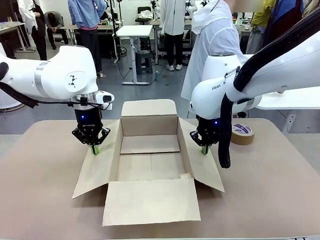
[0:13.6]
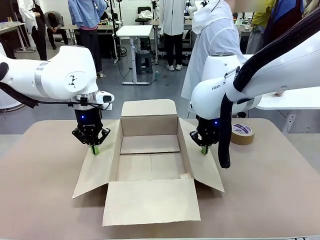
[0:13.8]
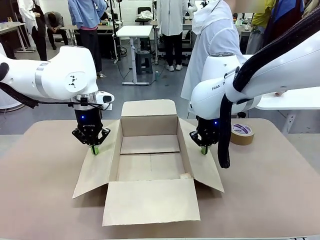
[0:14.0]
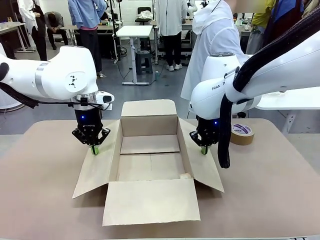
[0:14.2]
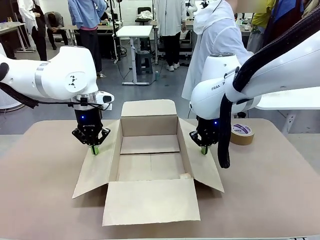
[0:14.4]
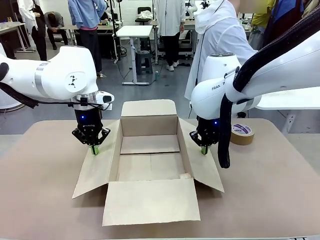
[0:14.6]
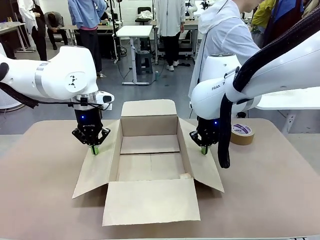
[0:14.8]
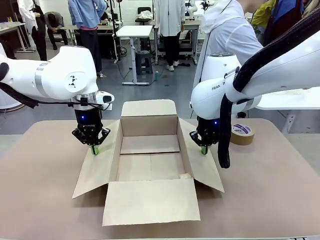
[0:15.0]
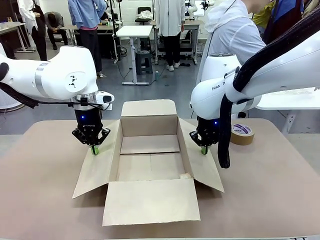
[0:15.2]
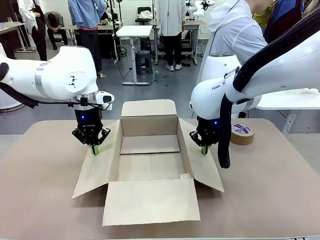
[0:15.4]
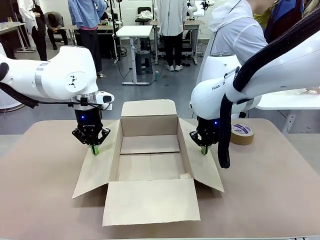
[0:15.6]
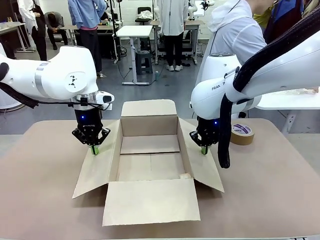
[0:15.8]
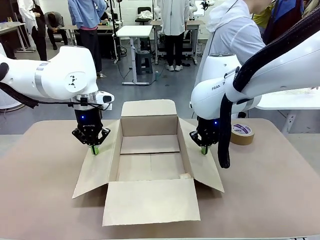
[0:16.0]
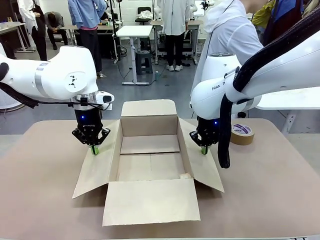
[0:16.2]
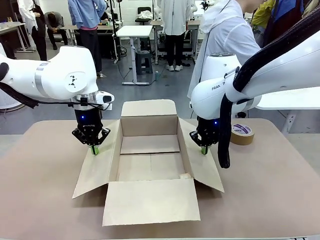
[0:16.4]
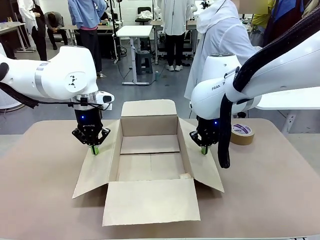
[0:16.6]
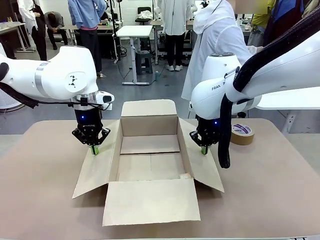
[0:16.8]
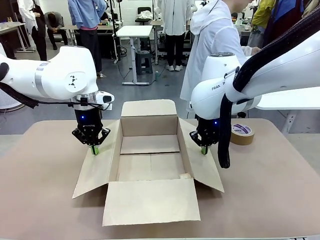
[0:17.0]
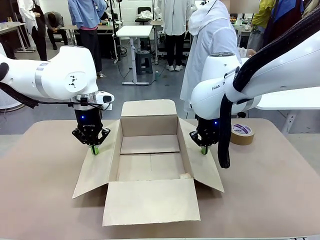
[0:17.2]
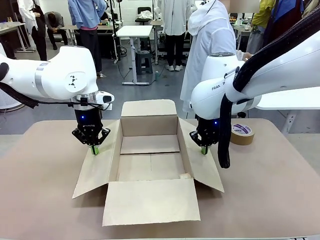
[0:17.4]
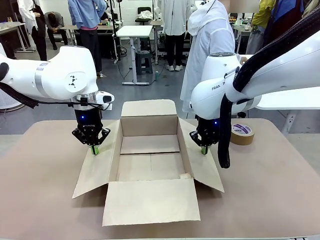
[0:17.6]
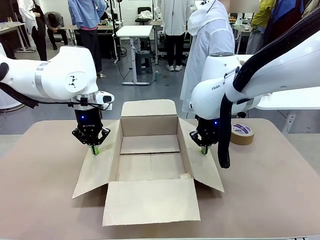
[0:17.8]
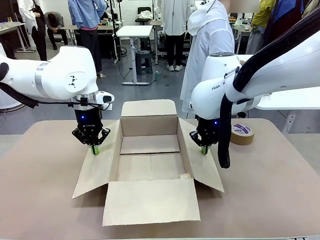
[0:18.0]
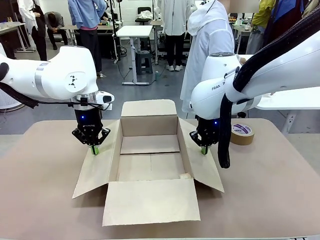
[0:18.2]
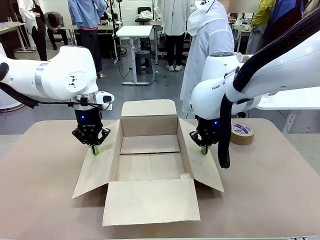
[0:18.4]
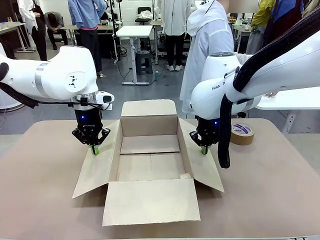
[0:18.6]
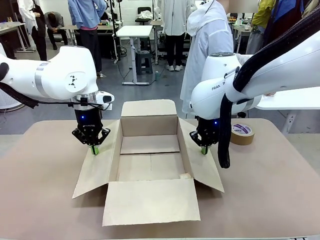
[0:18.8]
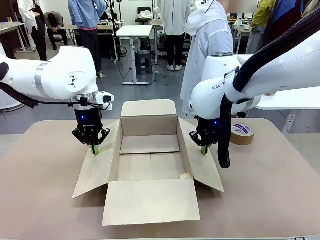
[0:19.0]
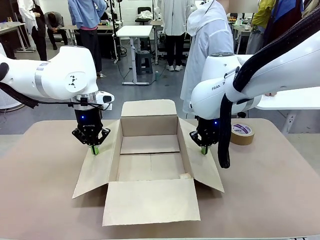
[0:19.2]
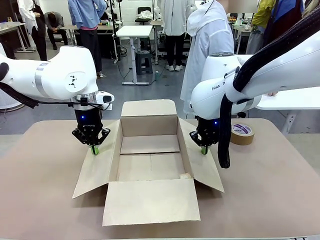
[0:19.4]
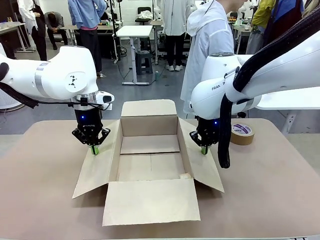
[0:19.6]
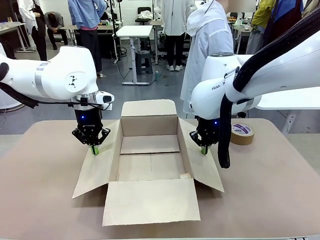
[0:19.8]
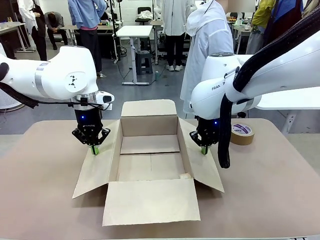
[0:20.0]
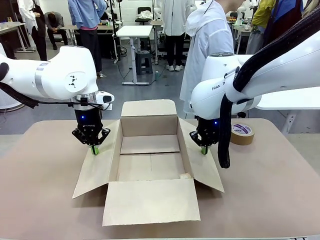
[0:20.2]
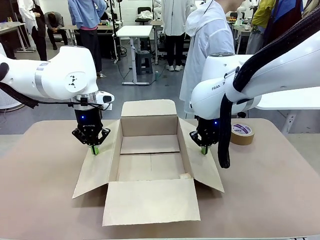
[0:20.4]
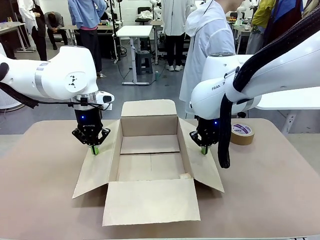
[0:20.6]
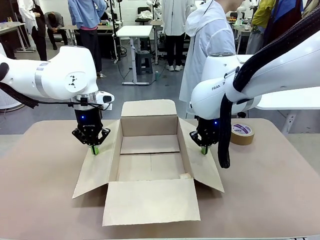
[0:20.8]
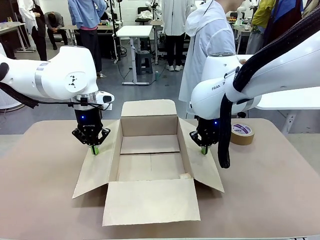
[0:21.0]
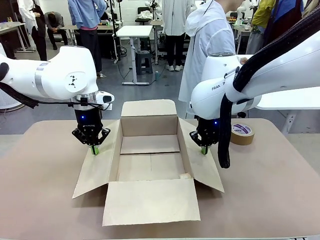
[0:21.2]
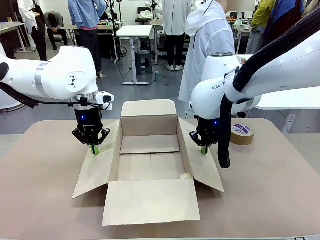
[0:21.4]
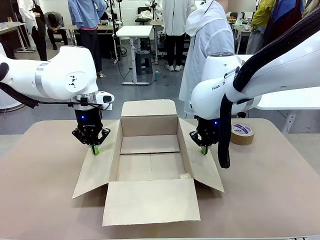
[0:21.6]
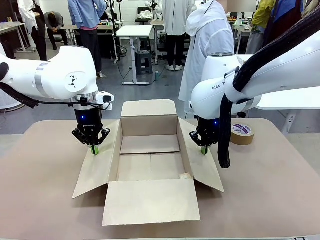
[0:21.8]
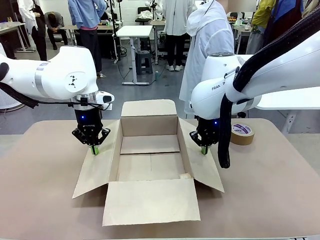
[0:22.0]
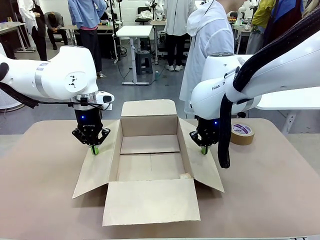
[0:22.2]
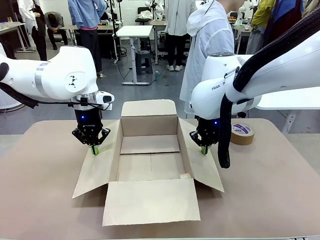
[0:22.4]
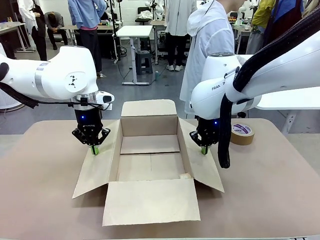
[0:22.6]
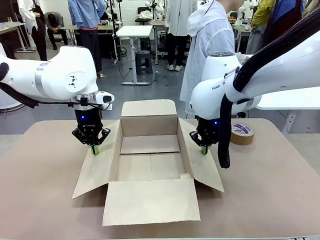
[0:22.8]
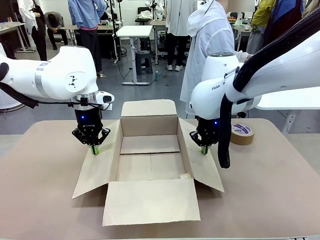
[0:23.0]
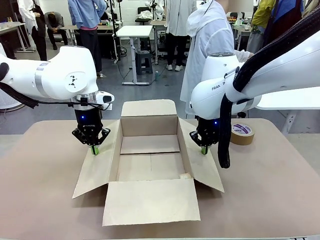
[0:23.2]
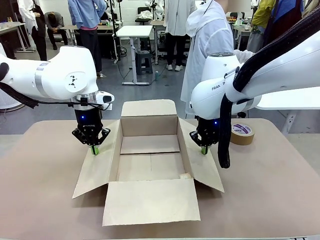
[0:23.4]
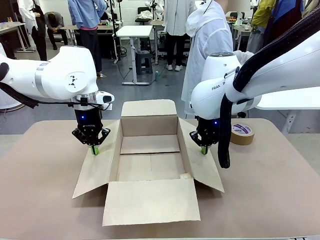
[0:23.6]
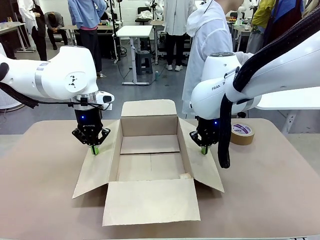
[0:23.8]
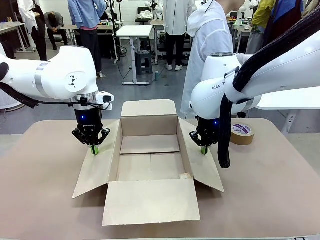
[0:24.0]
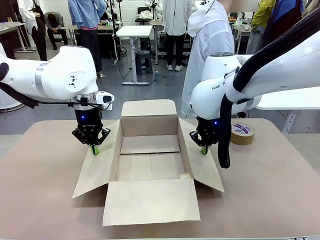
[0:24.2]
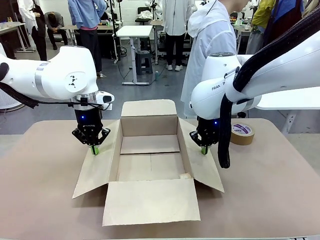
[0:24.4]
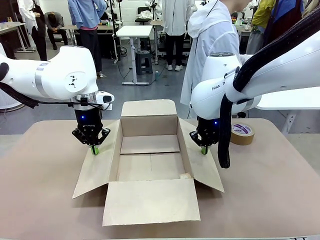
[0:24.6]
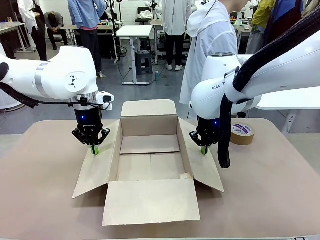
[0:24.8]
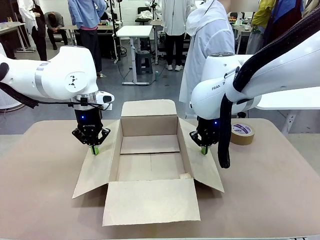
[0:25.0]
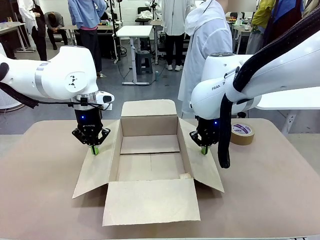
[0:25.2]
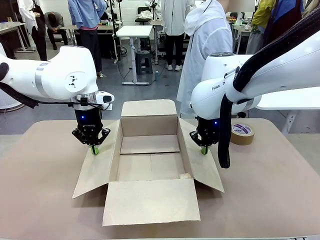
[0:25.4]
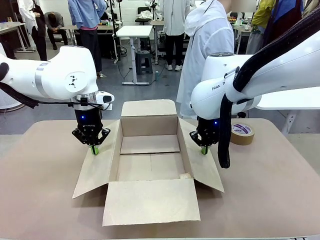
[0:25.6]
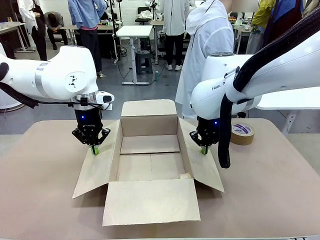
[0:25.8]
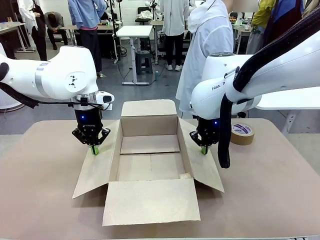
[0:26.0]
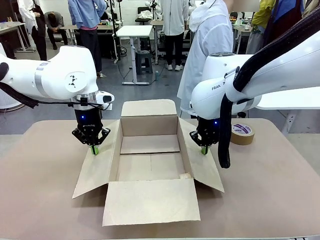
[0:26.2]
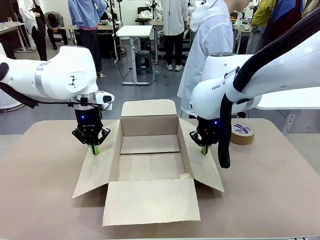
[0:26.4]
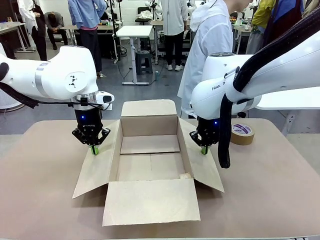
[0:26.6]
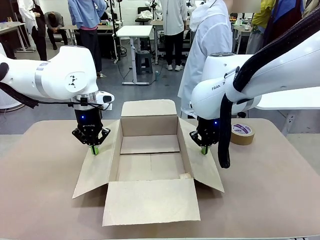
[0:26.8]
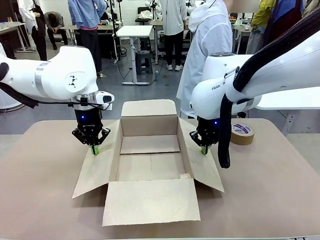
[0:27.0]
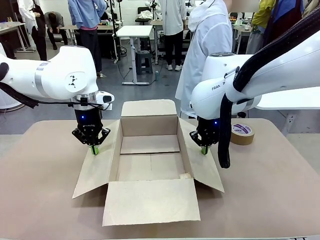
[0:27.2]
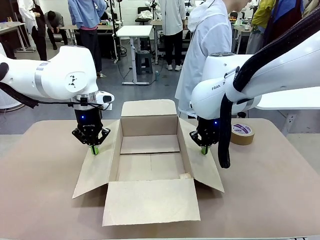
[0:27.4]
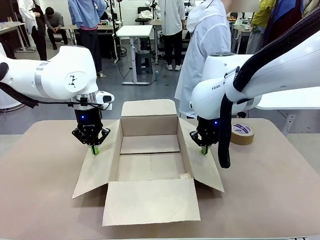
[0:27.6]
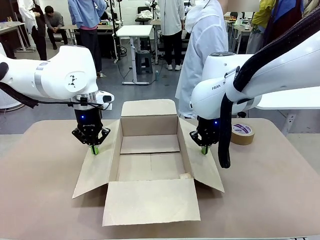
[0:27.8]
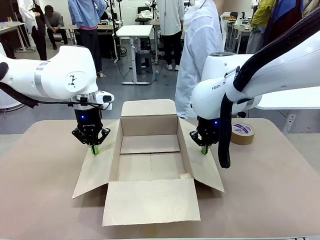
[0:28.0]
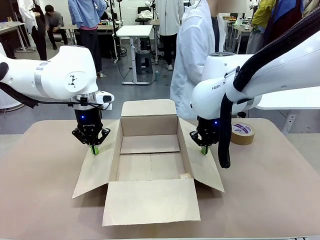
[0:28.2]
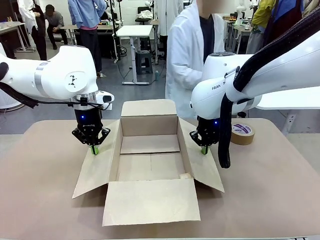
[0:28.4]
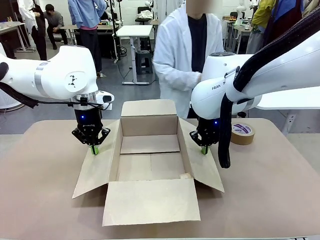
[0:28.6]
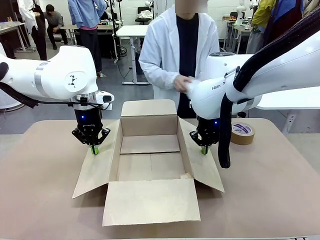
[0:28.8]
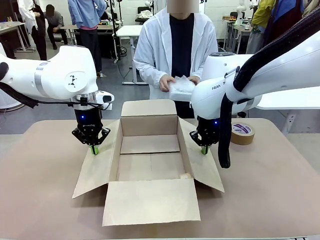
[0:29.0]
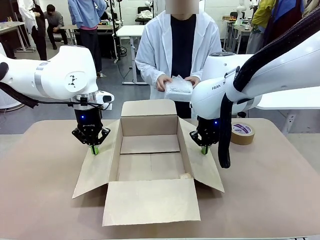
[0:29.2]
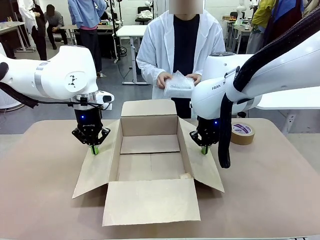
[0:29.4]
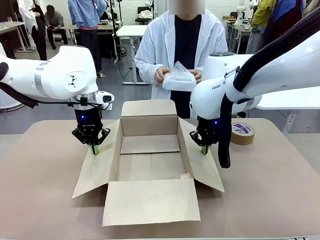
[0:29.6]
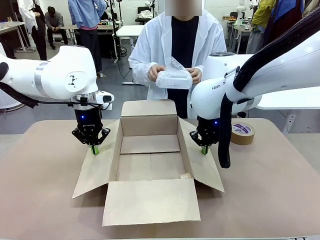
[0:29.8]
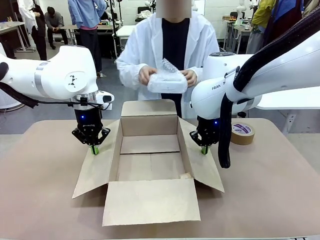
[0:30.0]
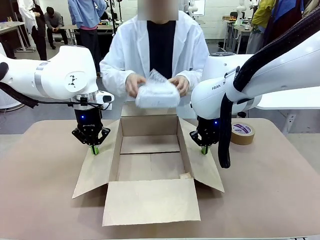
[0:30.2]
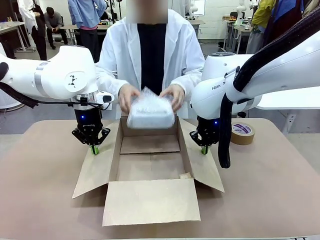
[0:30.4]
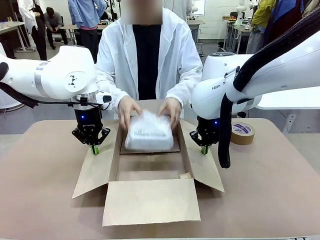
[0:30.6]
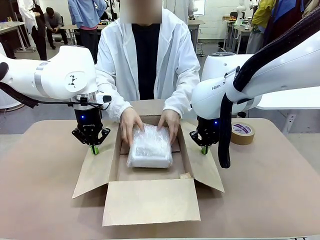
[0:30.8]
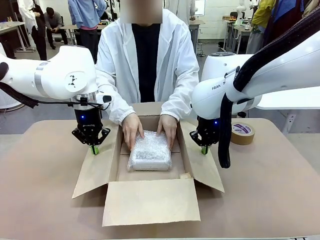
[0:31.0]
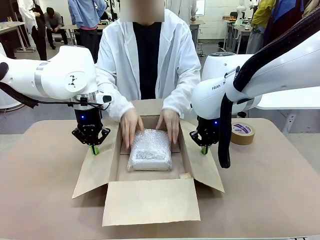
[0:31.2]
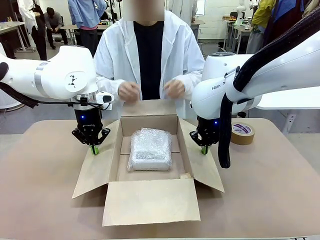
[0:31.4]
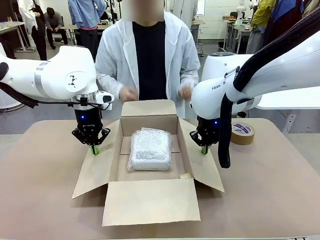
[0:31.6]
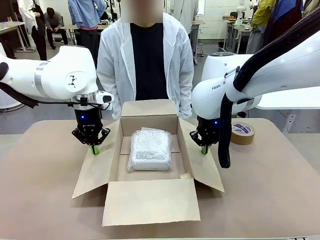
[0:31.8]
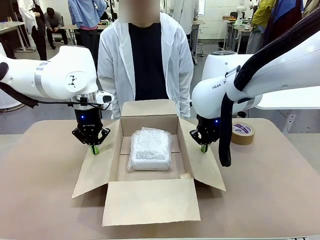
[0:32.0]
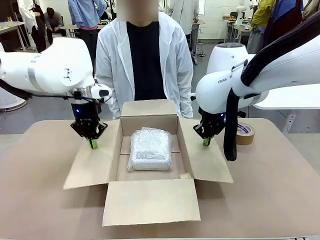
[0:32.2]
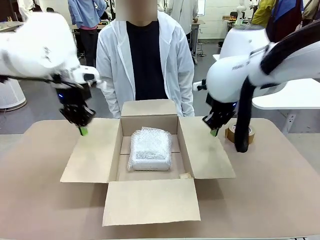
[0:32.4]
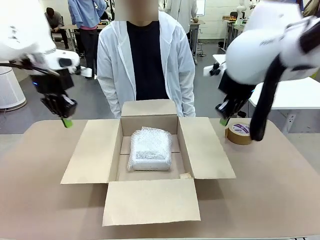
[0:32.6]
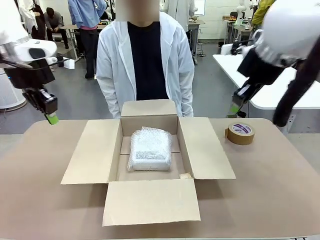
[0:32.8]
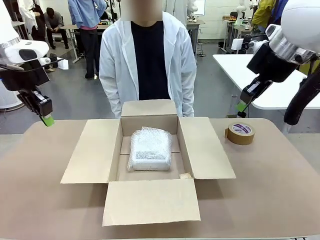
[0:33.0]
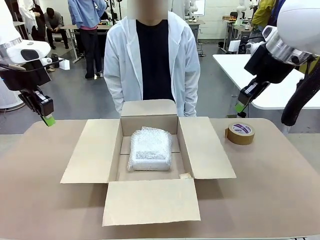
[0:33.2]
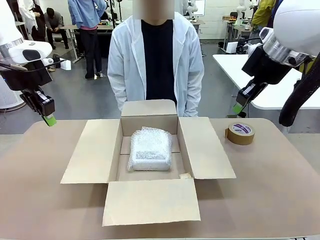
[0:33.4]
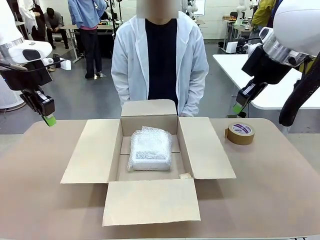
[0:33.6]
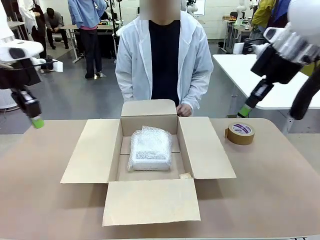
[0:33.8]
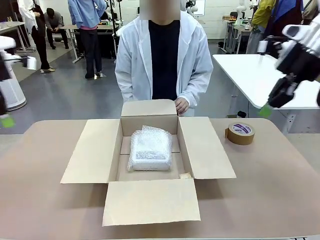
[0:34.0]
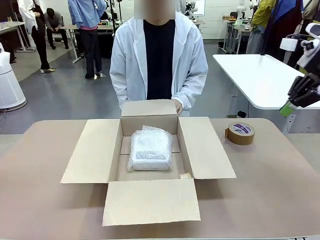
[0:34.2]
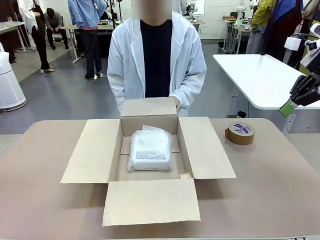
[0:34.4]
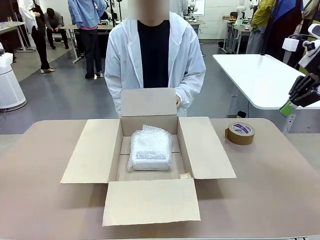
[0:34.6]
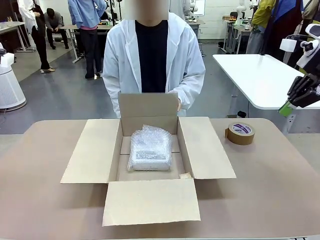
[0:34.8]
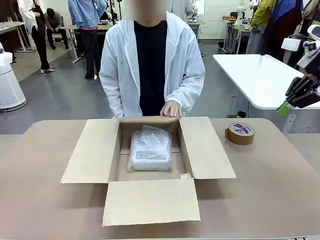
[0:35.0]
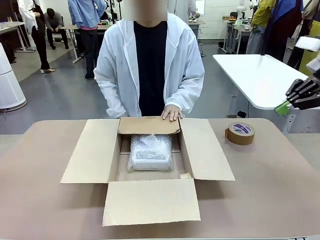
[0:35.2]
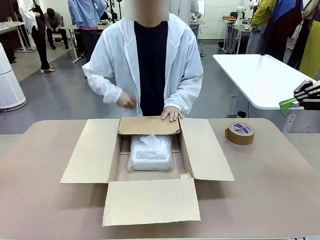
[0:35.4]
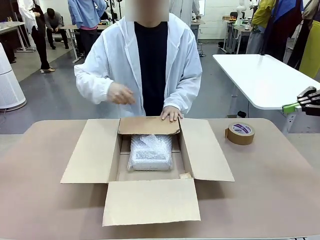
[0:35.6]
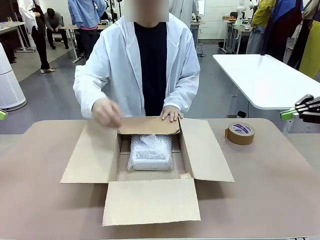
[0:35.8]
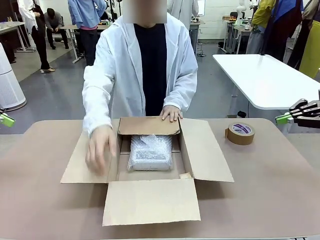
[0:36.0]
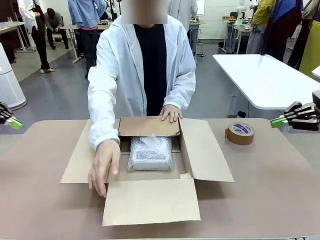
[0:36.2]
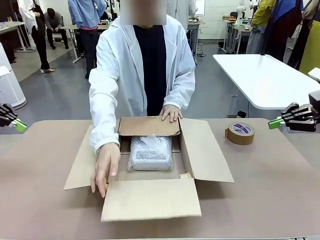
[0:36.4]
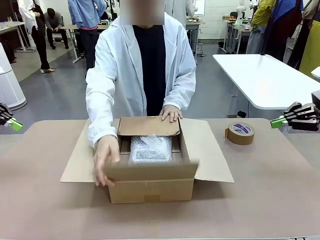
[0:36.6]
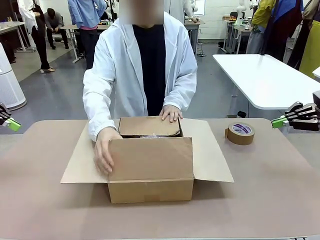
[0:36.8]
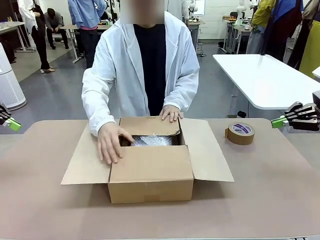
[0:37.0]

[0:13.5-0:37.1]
Task: Wrap the clocks to prevent damage.
Robot: Once the human has placed the objects inside and stepped back, release both hands from the side flaps of the Package Box.
Person: Place the wrapped Digital clocks inside the Package Box. Hold the top and bottom flaps of the Package Box closed with your left (or right) hand.
